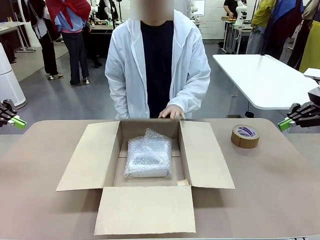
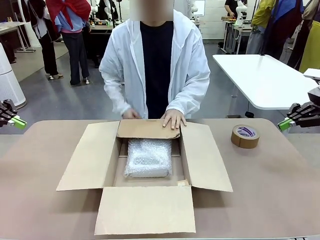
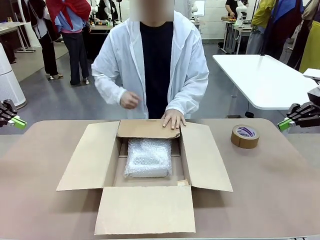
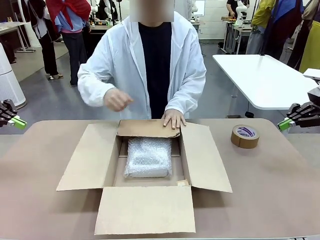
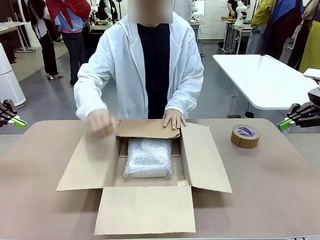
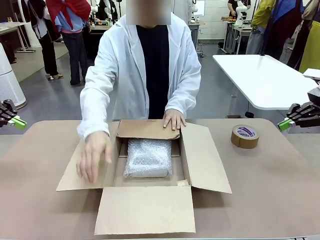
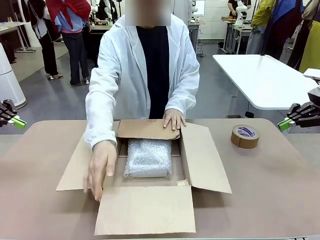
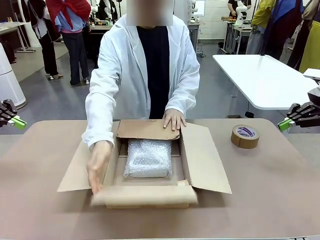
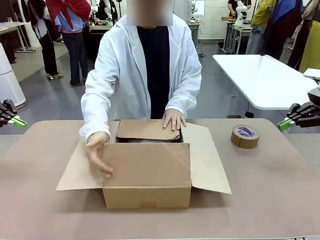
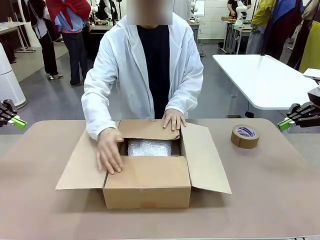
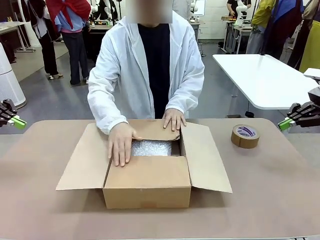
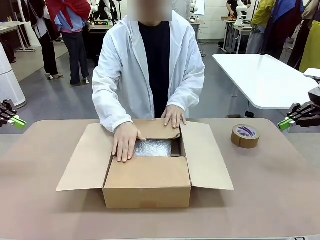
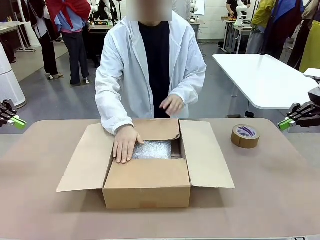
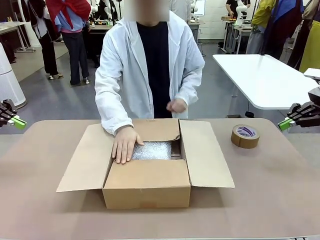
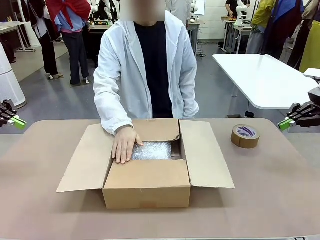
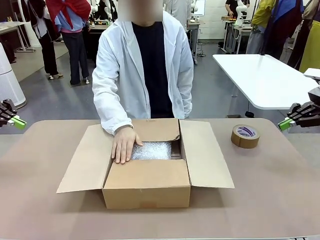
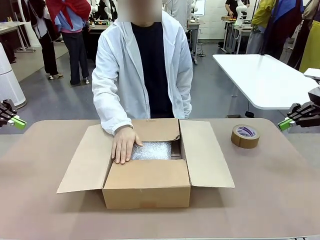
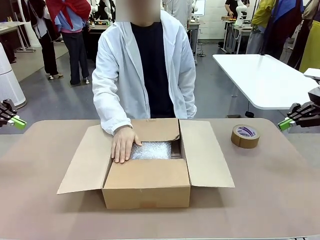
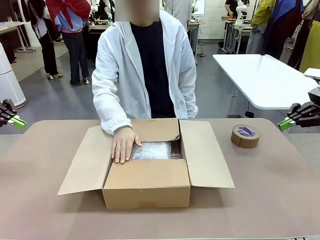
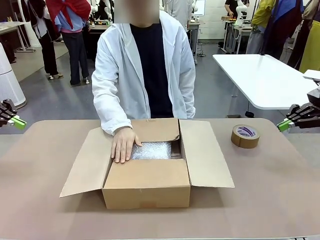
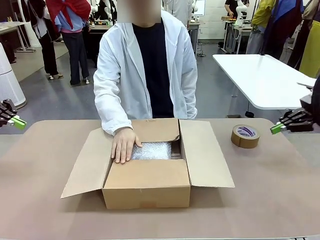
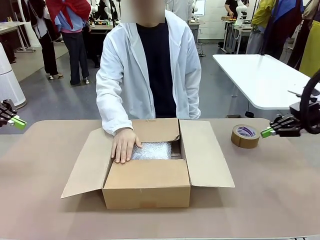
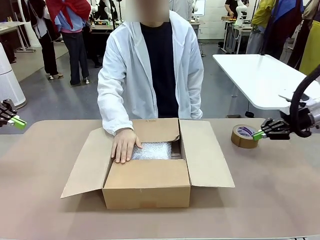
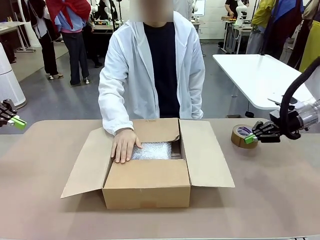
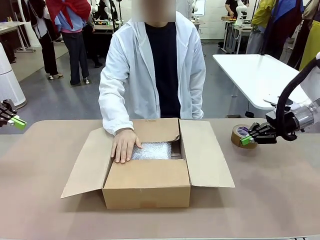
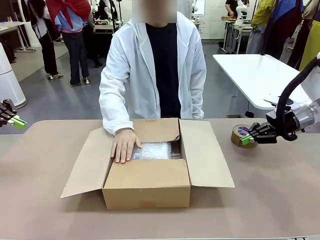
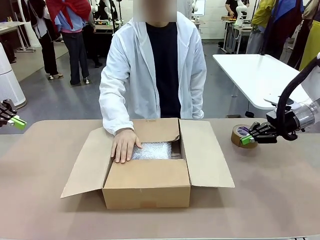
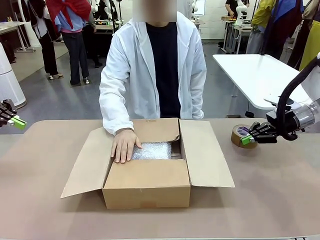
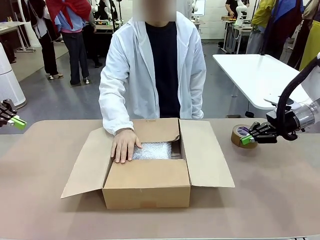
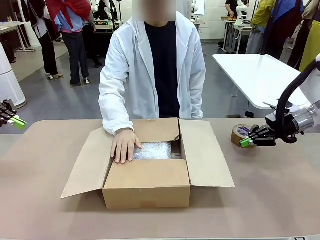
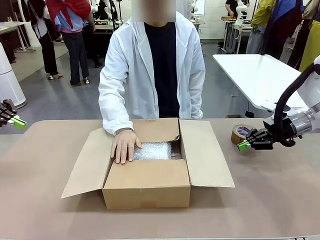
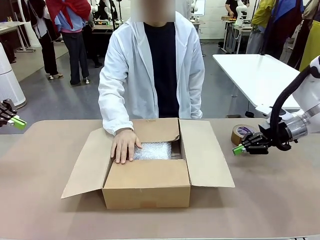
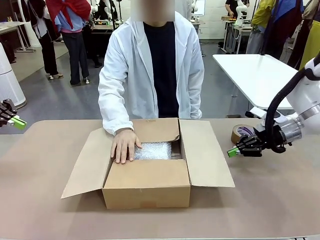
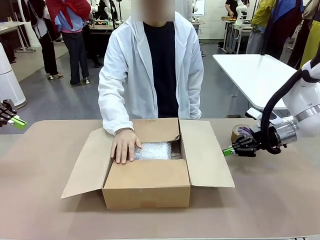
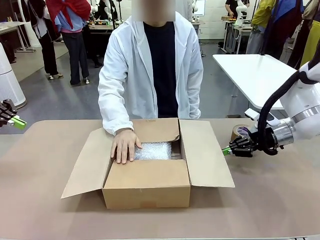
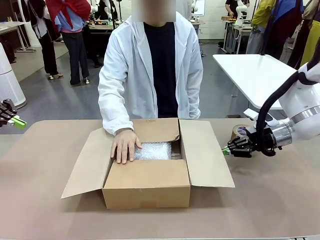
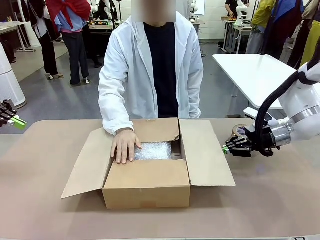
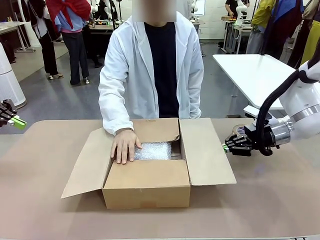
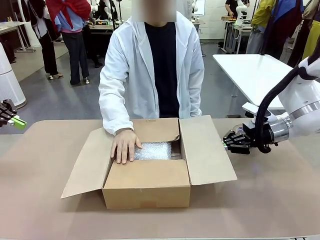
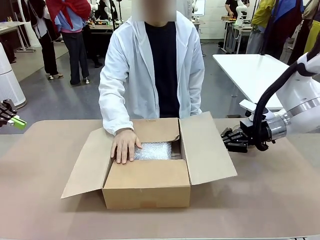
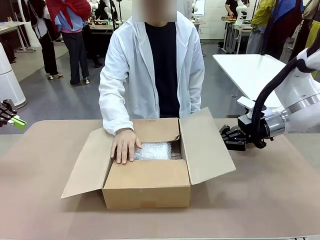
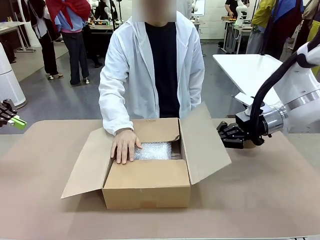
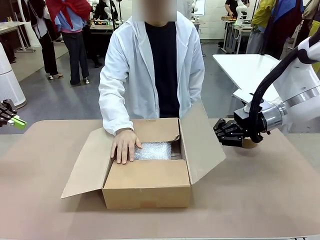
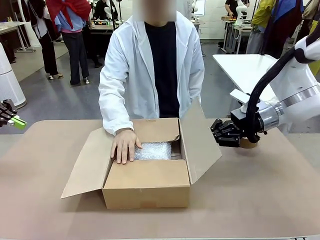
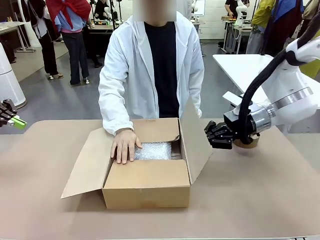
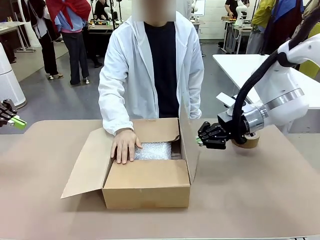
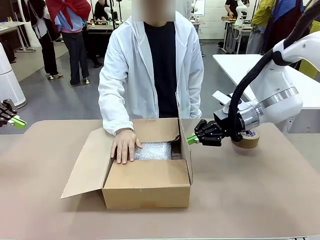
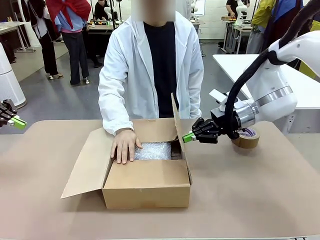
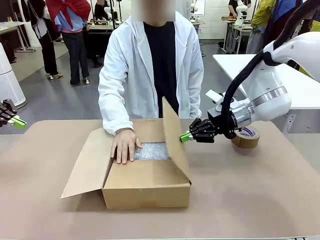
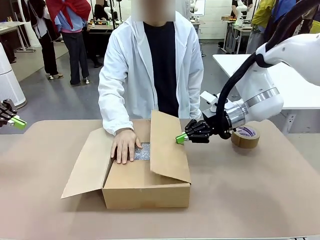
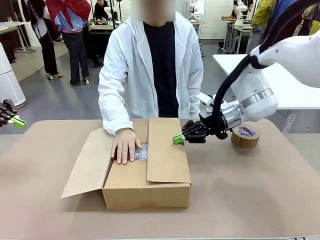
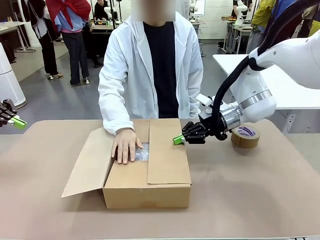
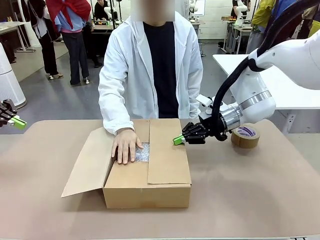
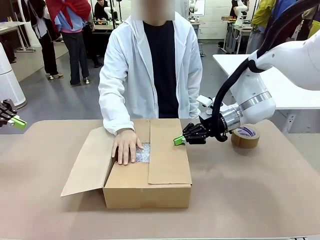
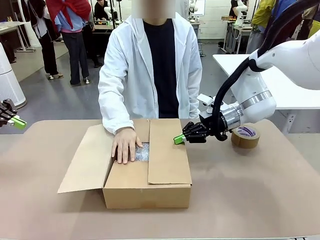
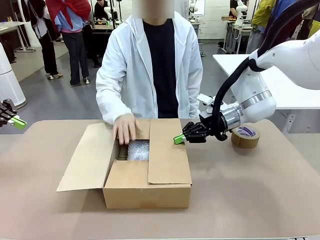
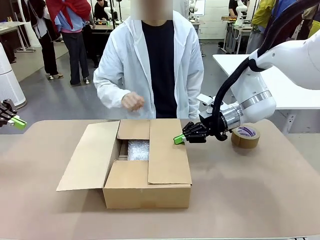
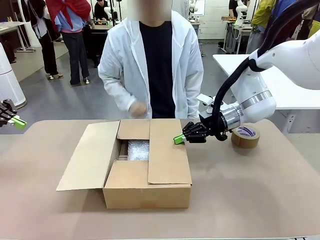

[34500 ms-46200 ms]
Task: Wrap the clocks to prevent damage.
Robot: Push the right (or left) flap of the Package Box to close it.
Person: Once the robot closes the right flap of the Package Box , release your left hand from the box.

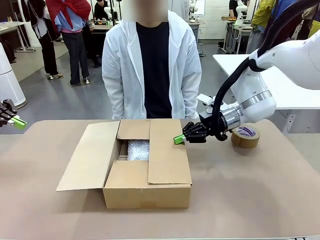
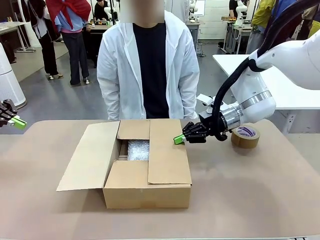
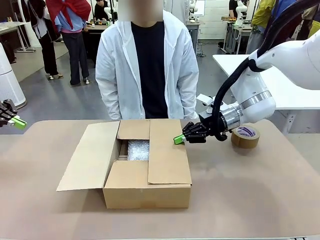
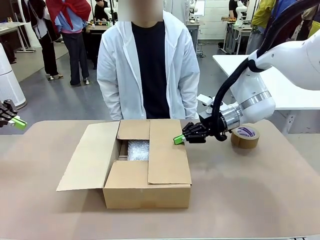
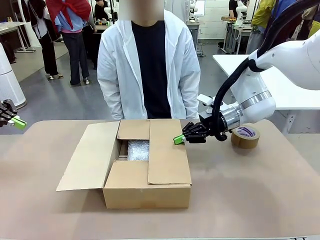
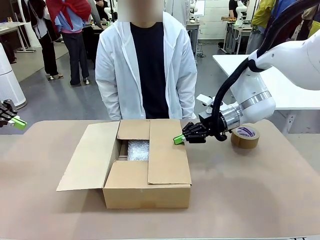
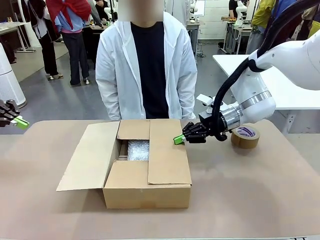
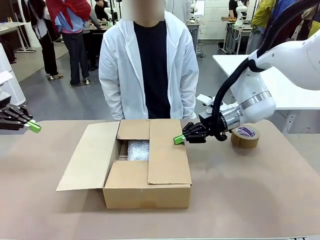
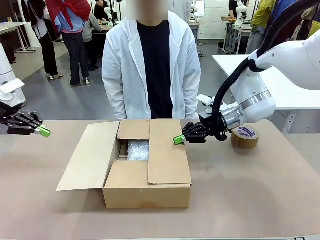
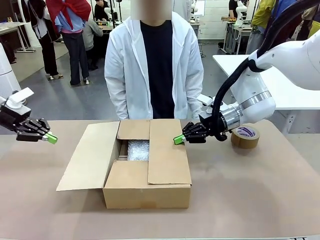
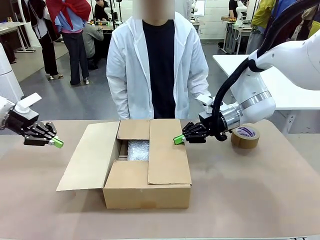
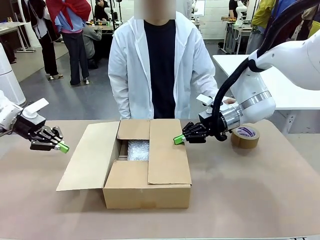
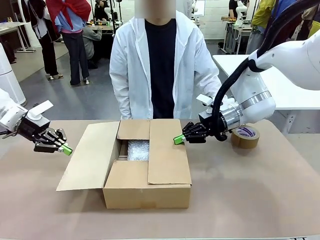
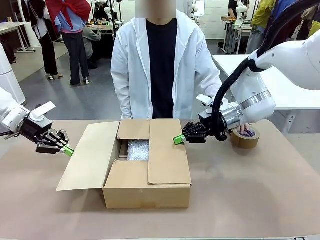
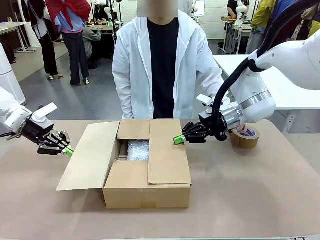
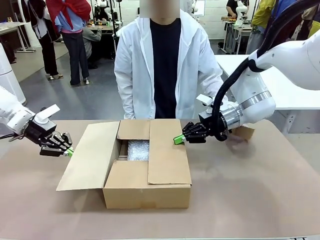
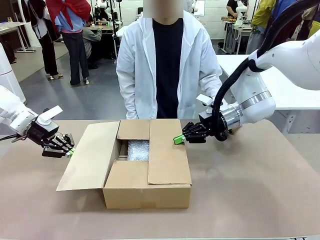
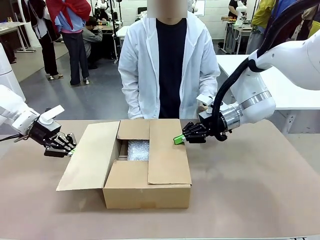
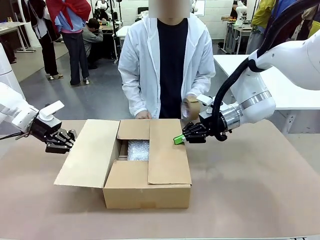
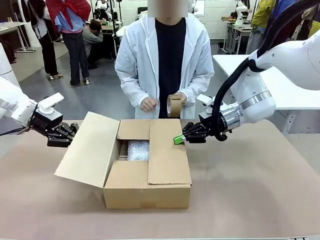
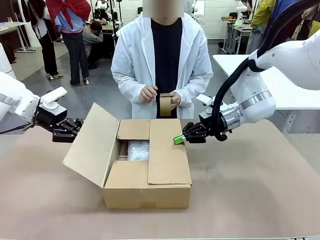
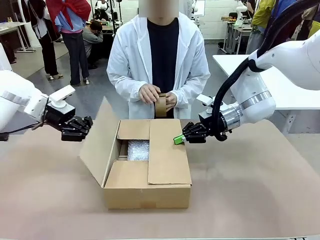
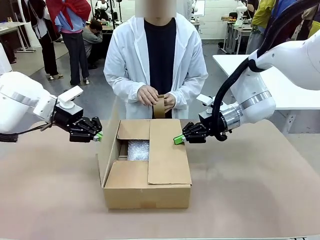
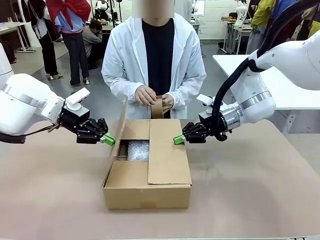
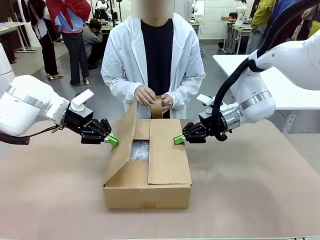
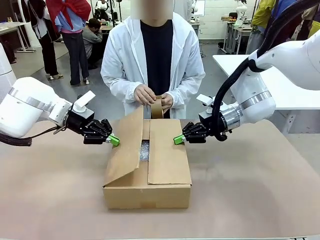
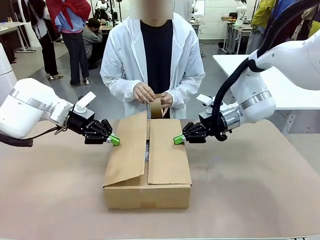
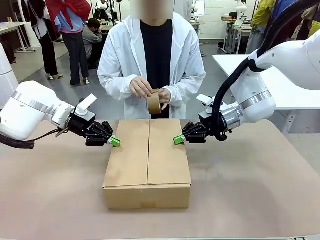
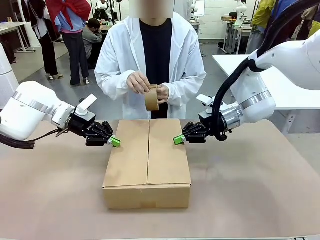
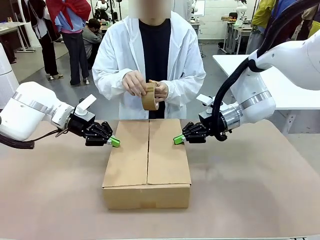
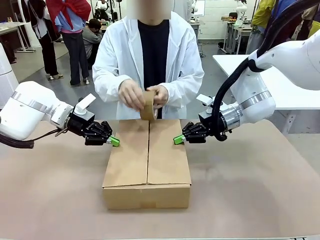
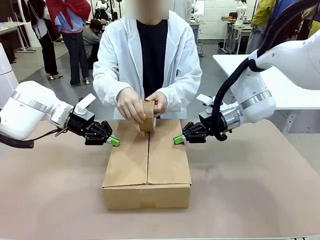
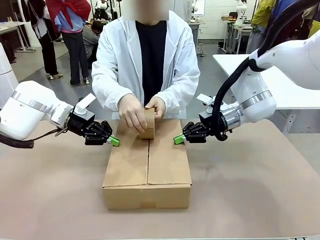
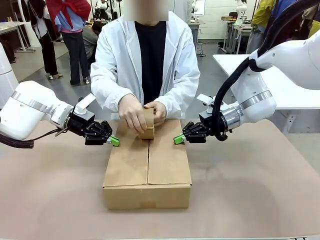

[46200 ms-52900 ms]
Robot: Push the left (or right) flap of the Package Box to close it.
